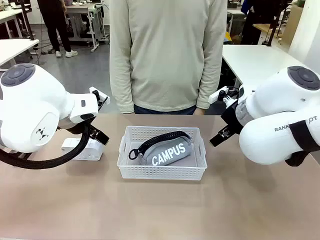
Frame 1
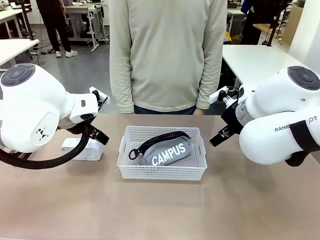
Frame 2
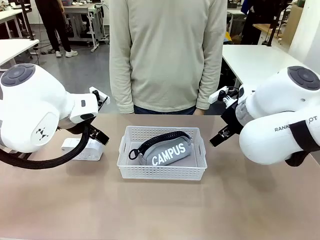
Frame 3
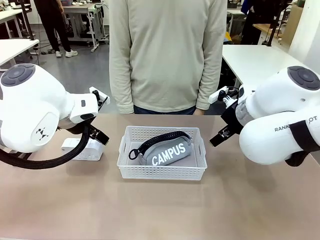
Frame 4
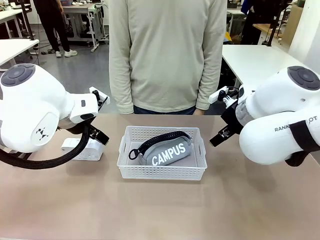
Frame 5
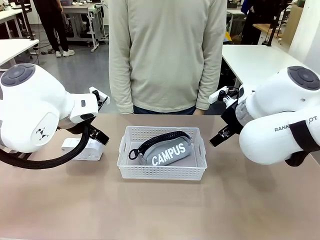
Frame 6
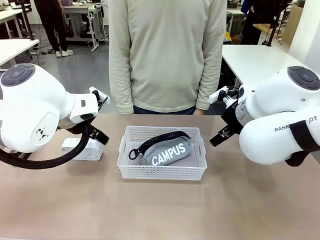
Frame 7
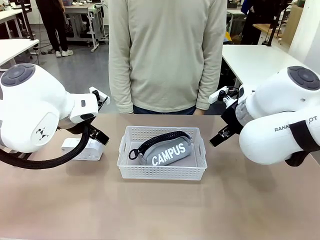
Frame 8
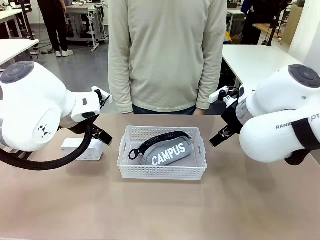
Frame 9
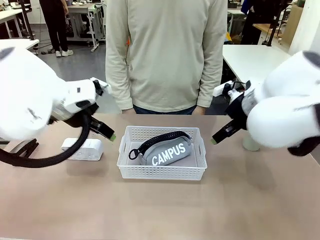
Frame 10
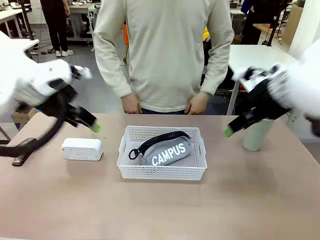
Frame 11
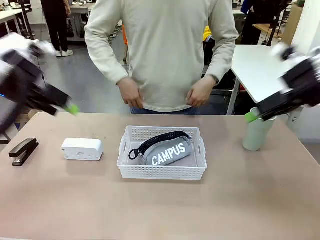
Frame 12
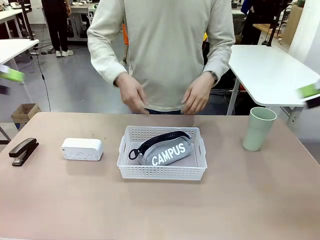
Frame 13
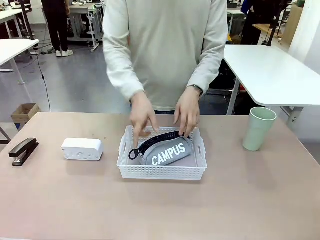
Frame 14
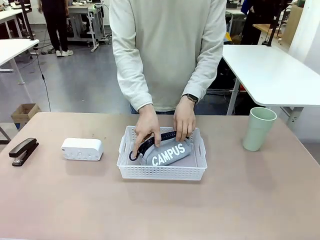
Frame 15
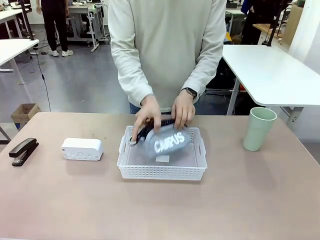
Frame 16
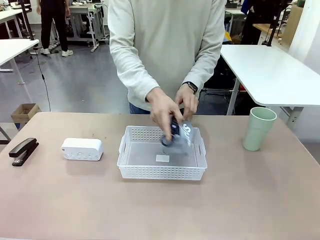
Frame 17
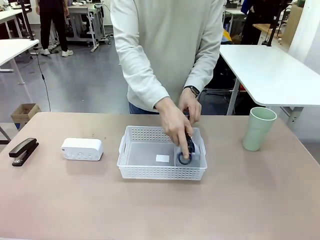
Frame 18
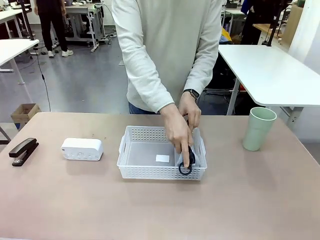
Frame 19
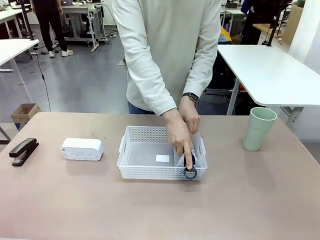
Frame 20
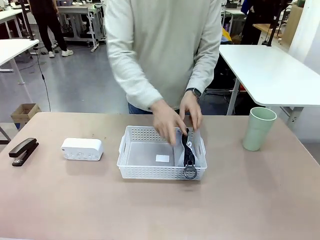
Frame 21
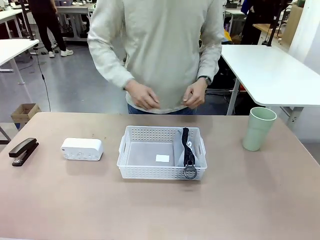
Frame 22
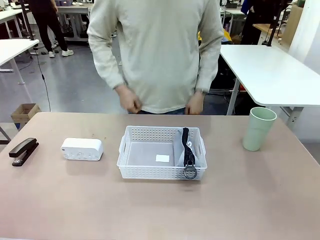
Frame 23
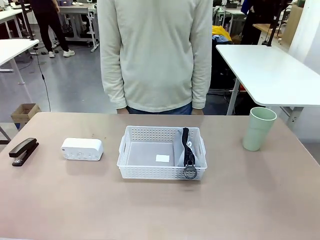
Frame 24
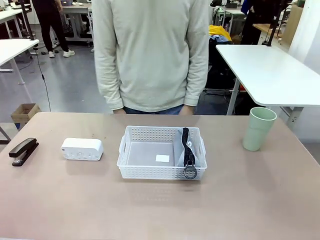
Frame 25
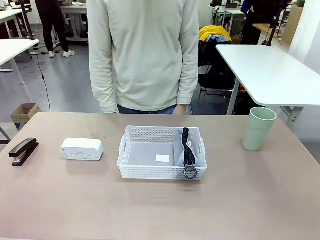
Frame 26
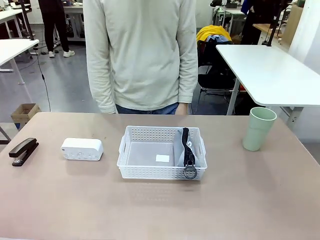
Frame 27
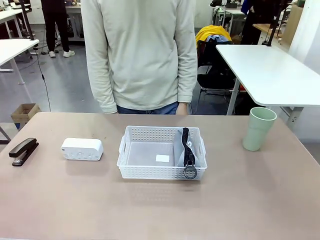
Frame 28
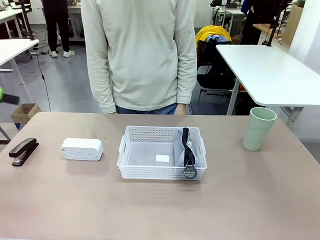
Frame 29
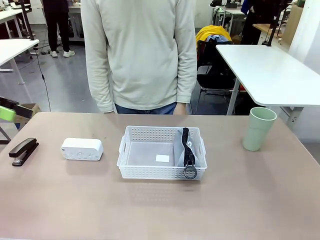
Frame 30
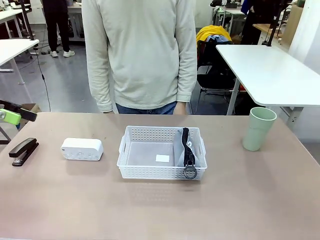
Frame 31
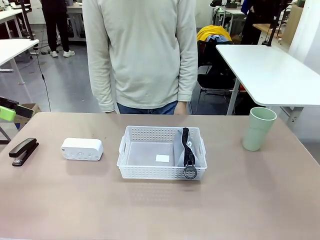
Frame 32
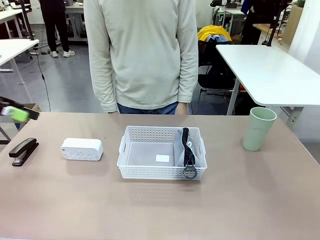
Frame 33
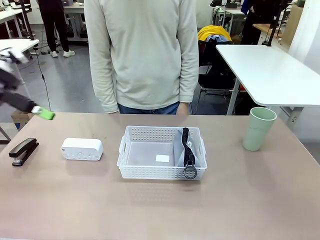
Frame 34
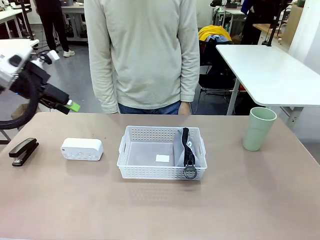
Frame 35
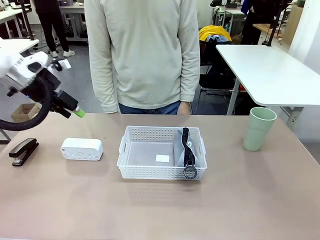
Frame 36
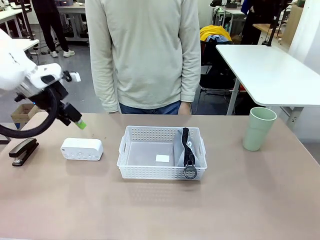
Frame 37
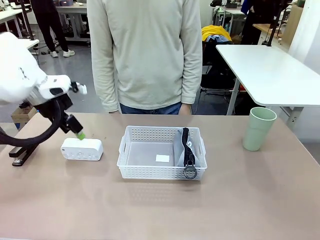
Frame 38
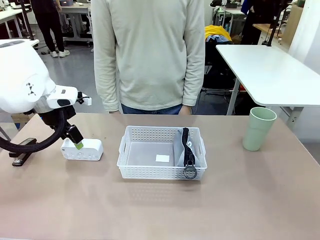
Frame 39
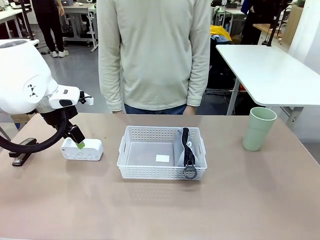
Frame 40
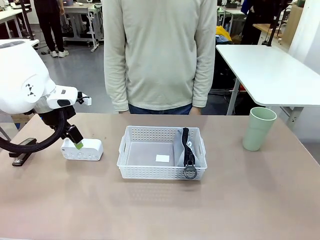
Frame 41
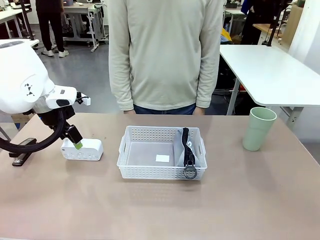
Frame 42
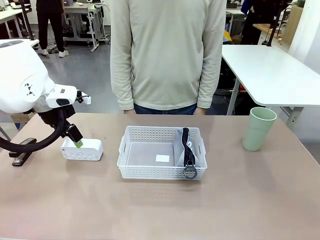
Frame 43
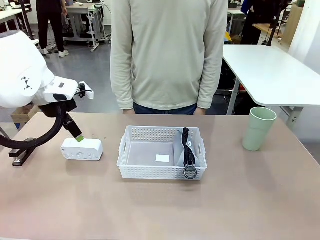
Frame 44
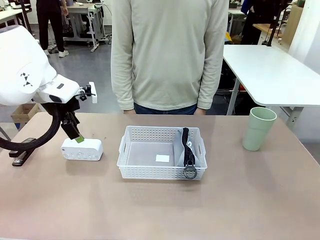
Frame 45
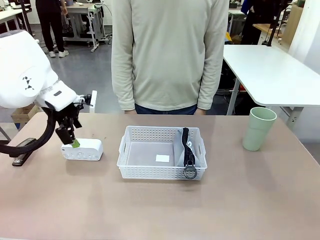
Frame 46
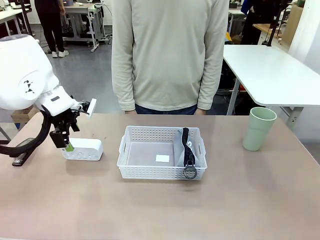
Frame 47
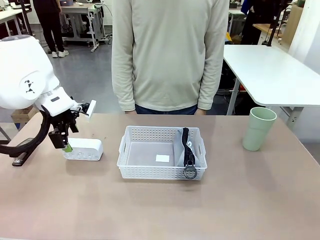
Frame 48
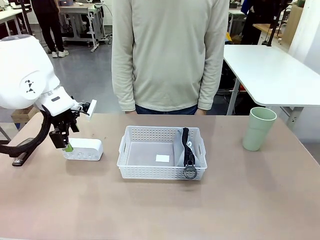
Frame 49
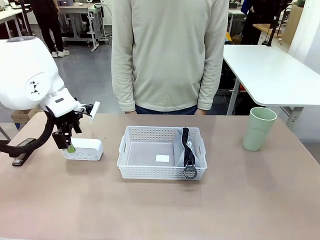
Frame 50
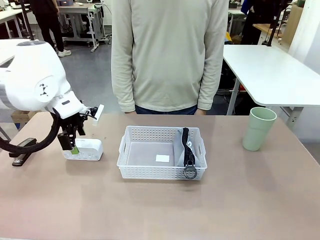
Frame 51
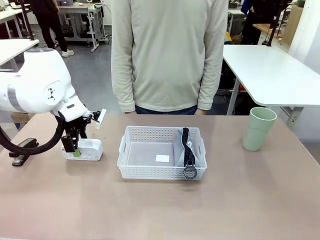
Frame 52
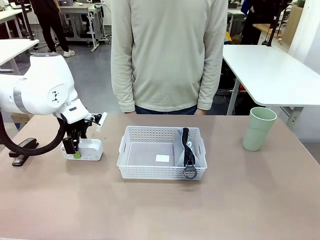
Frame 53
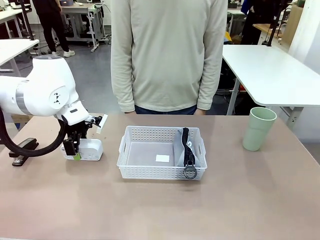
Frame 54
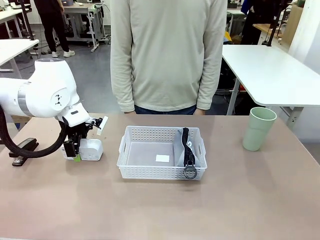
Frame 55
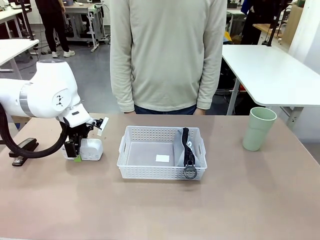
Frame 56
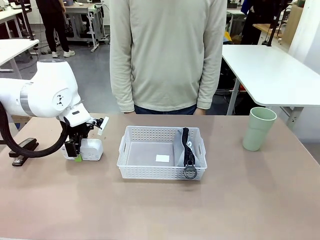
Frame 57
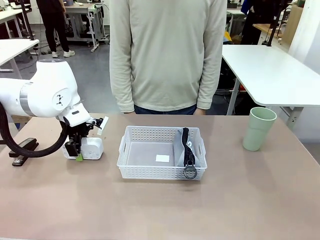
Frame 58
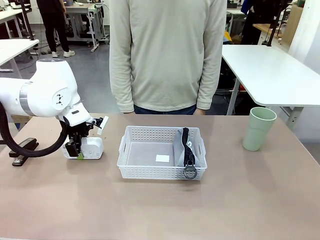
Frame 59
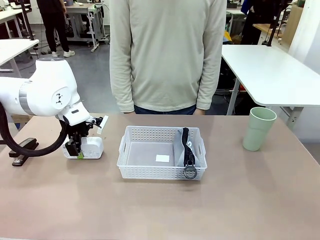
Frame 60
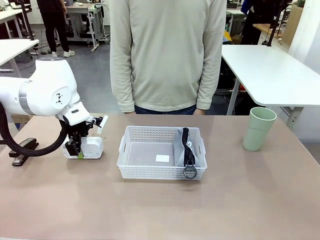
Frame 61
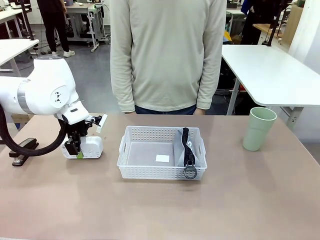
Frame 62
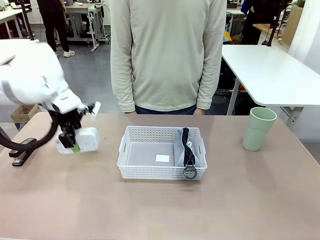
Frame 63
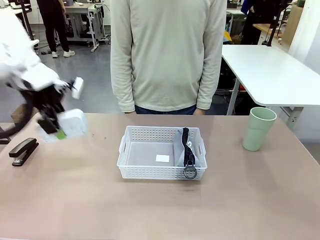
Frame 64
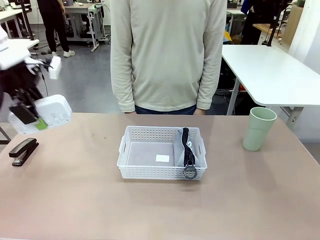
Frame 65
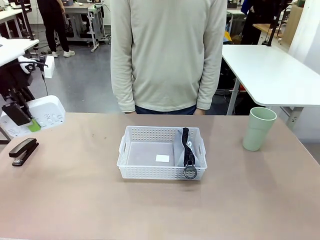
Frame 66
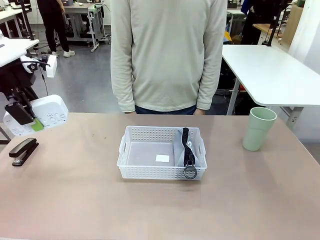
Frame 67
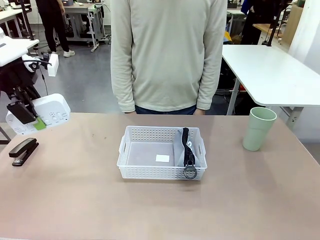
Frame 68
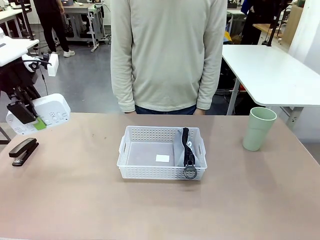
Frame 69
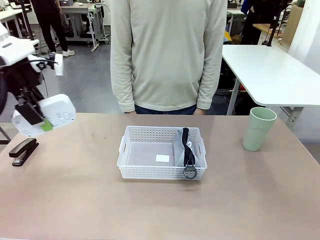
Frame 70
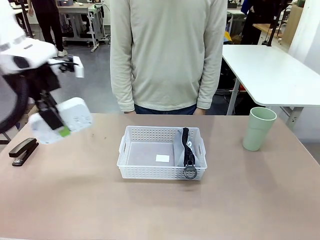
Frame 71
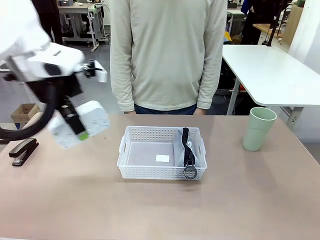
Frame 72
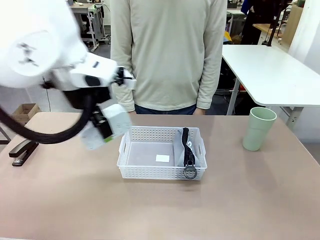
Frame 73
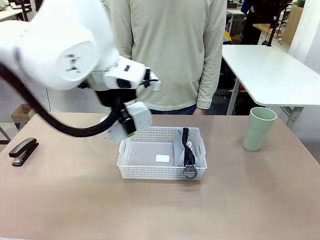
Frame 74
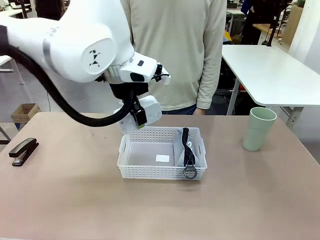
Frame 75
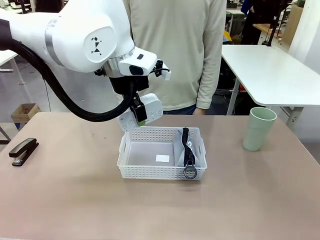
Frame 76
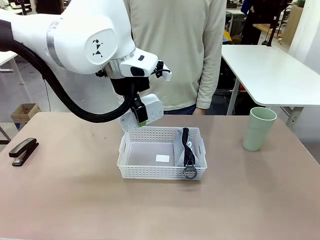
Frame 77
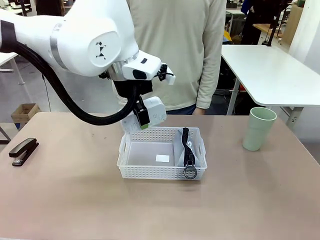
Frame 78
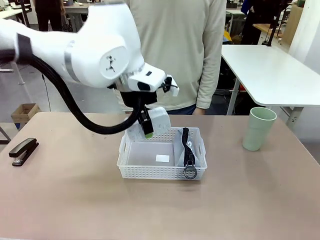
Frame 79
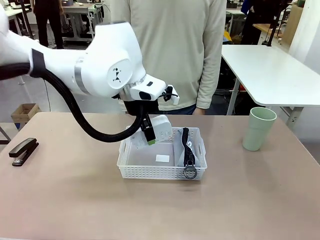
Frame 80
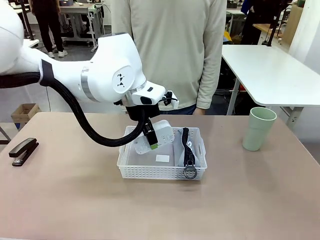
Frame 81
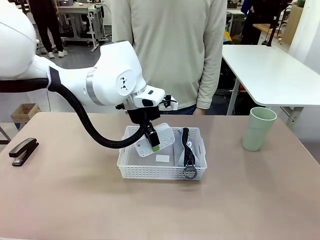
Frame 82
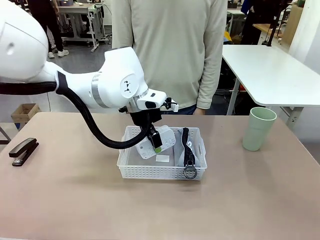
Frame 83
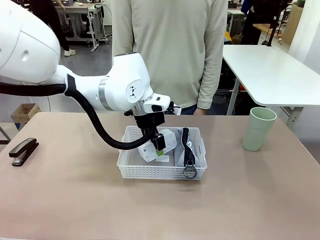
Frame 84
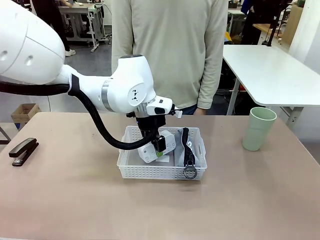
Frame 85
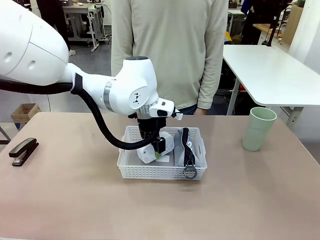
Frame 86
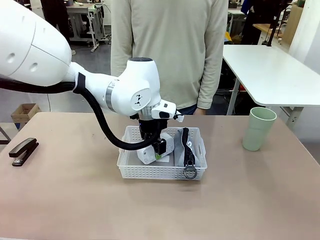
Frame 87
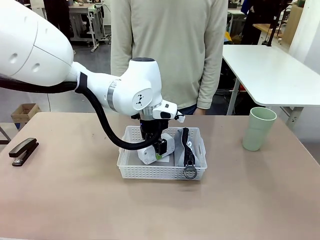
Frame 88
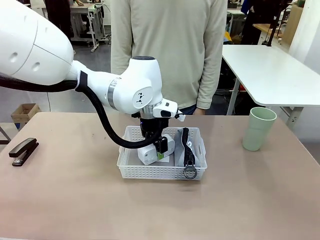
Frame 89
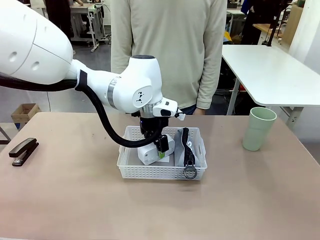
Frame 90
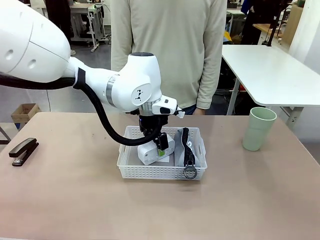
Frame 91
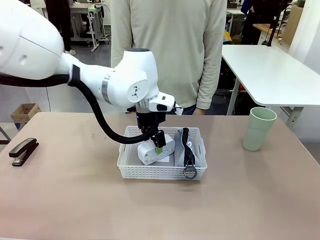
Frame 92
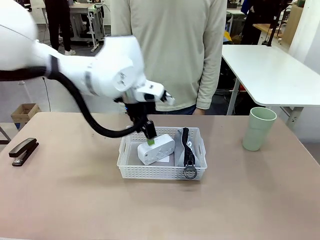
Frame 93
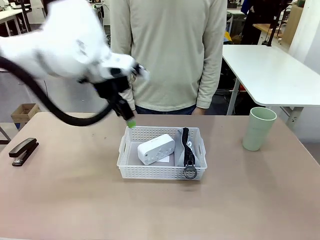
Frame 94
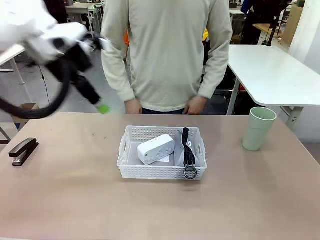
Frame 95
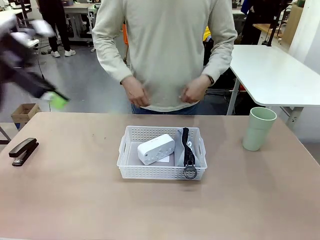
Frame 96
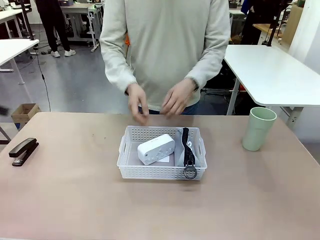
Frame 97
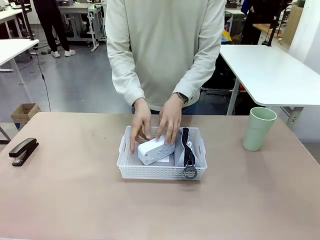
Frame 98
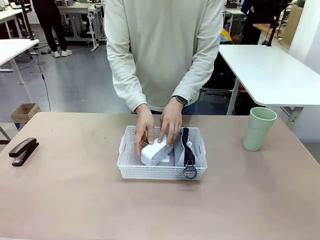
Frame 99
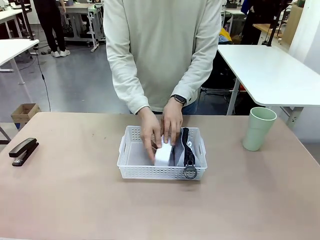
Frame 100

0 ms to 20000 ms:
Task: Efficiently arrange items inside the basket to fit them all.
Robot: Pick up the Digital clock and place it inside the Organizing basket.
Person: Repositions the pencil case. Repositions the digital clock.
